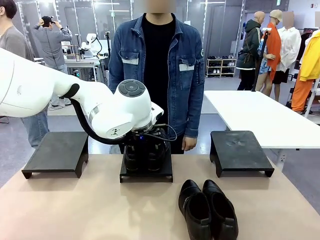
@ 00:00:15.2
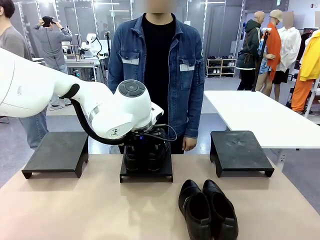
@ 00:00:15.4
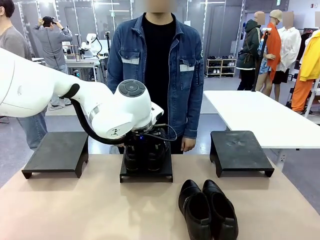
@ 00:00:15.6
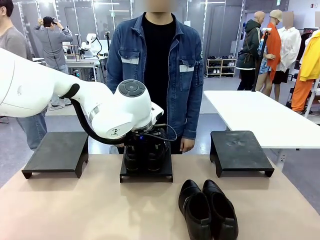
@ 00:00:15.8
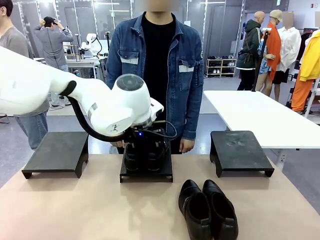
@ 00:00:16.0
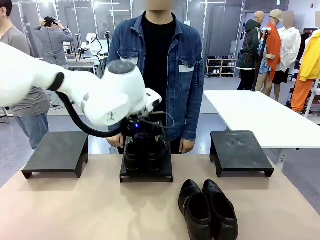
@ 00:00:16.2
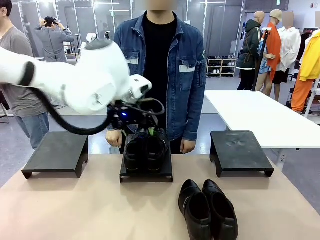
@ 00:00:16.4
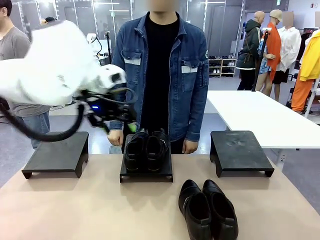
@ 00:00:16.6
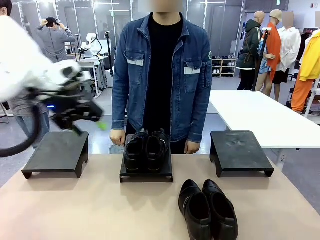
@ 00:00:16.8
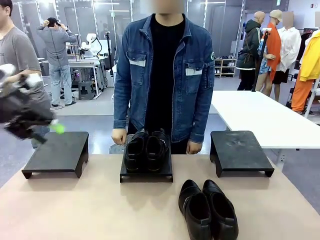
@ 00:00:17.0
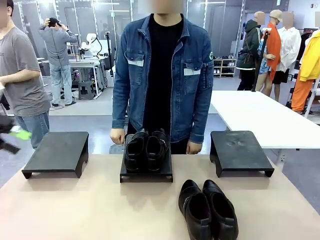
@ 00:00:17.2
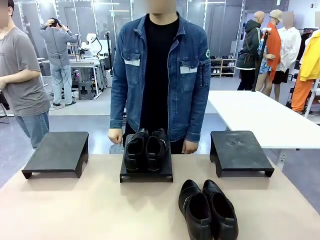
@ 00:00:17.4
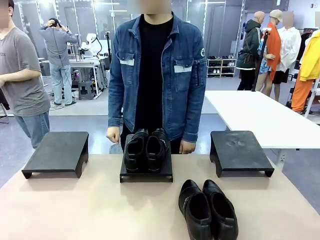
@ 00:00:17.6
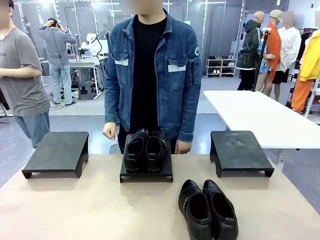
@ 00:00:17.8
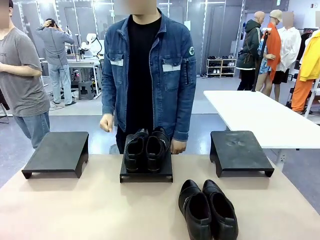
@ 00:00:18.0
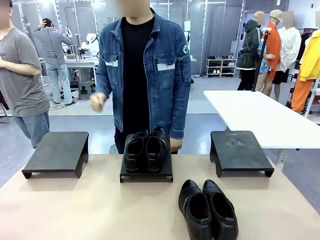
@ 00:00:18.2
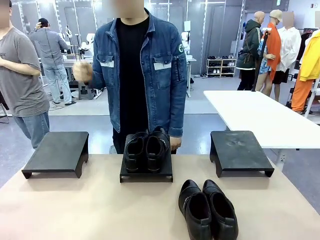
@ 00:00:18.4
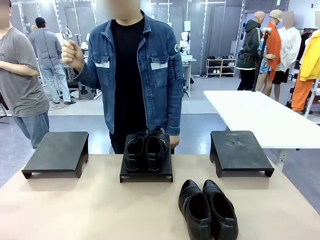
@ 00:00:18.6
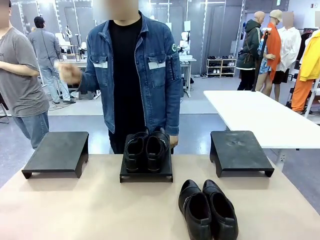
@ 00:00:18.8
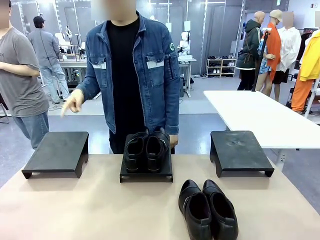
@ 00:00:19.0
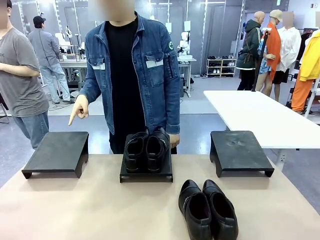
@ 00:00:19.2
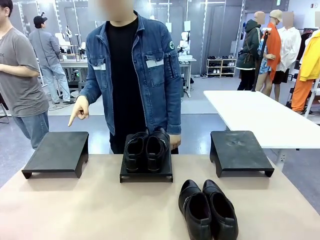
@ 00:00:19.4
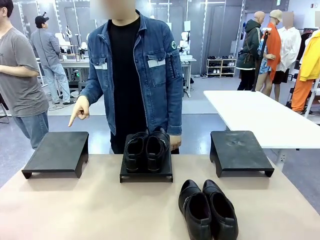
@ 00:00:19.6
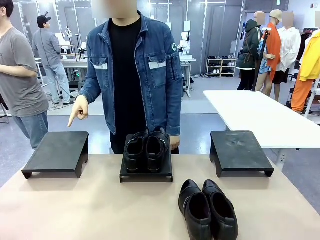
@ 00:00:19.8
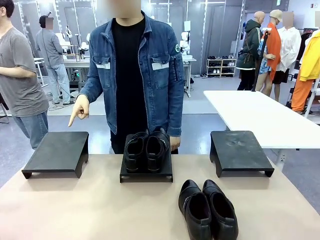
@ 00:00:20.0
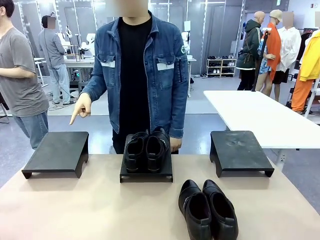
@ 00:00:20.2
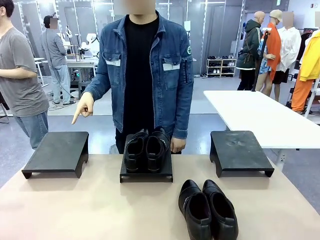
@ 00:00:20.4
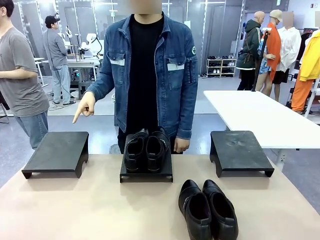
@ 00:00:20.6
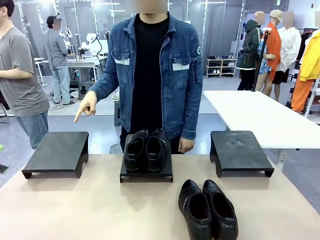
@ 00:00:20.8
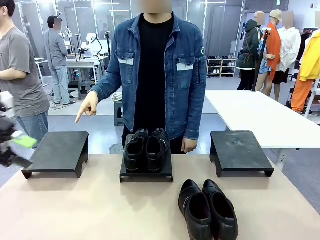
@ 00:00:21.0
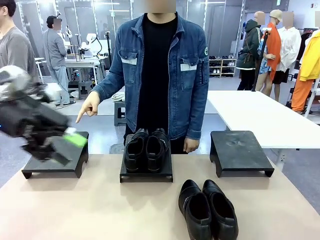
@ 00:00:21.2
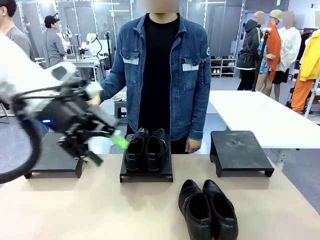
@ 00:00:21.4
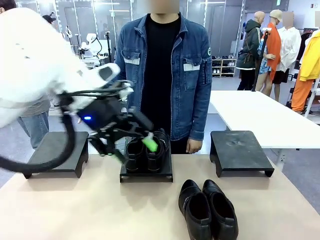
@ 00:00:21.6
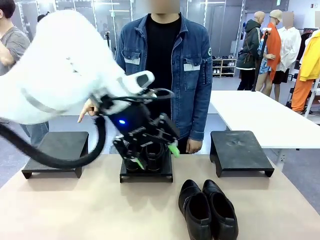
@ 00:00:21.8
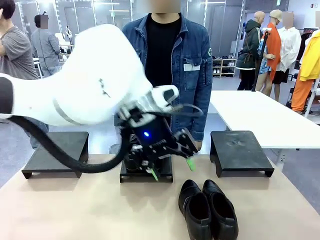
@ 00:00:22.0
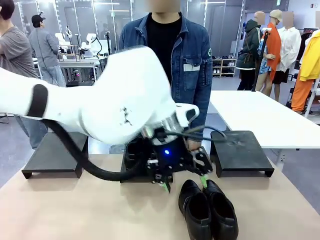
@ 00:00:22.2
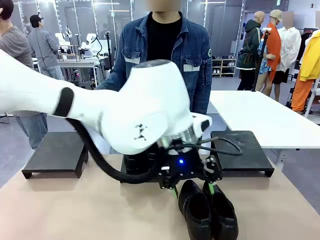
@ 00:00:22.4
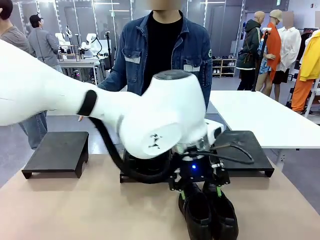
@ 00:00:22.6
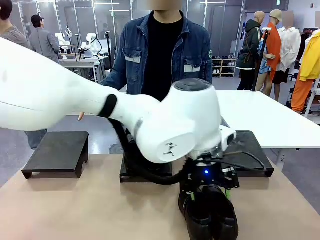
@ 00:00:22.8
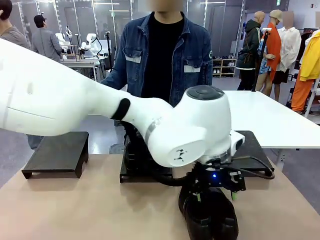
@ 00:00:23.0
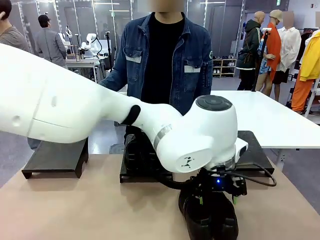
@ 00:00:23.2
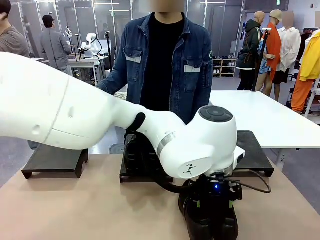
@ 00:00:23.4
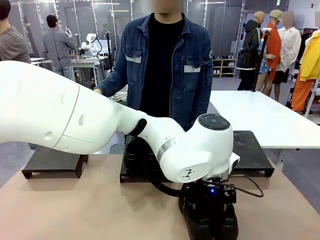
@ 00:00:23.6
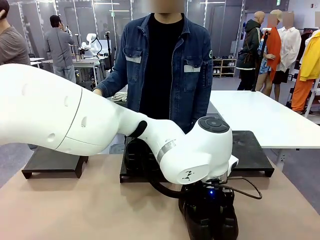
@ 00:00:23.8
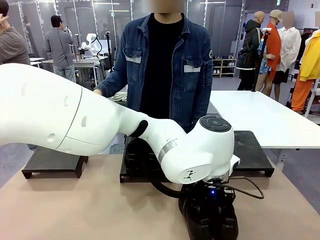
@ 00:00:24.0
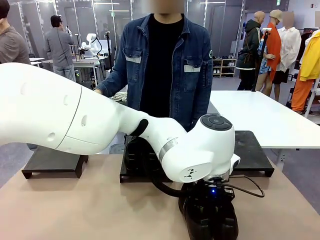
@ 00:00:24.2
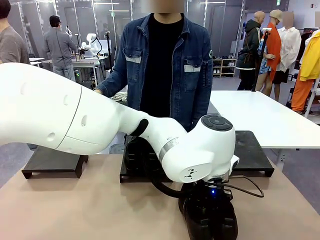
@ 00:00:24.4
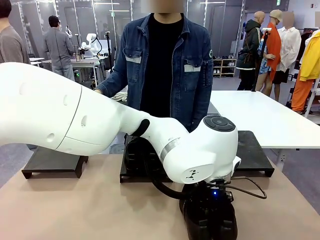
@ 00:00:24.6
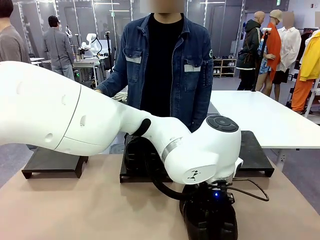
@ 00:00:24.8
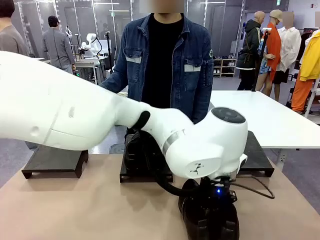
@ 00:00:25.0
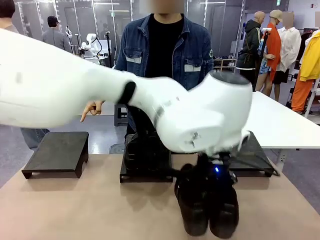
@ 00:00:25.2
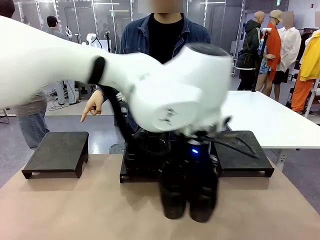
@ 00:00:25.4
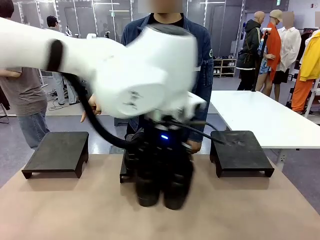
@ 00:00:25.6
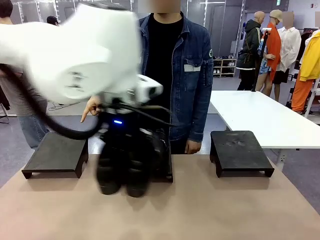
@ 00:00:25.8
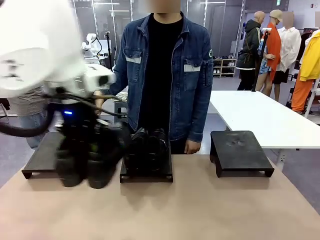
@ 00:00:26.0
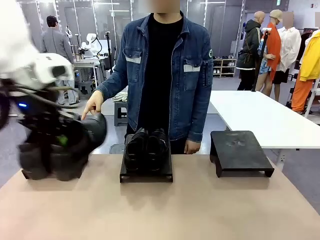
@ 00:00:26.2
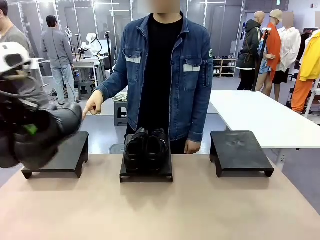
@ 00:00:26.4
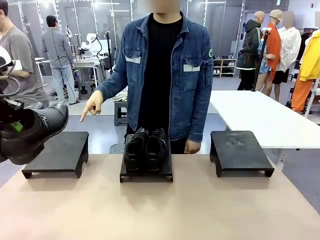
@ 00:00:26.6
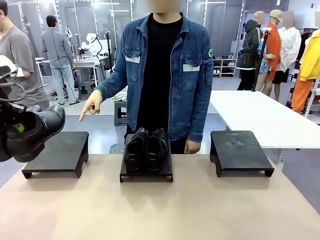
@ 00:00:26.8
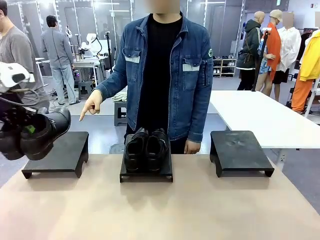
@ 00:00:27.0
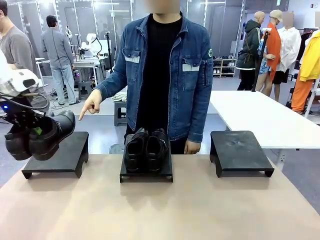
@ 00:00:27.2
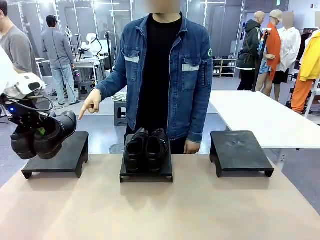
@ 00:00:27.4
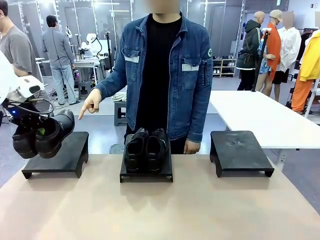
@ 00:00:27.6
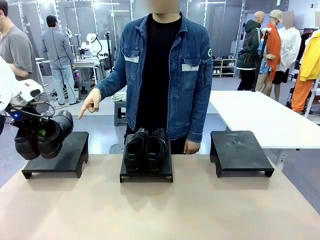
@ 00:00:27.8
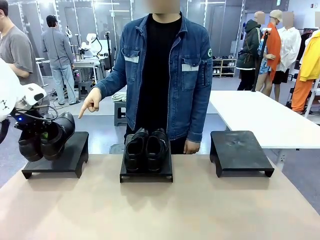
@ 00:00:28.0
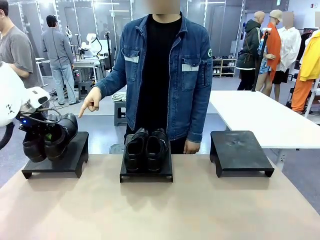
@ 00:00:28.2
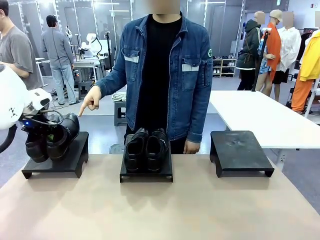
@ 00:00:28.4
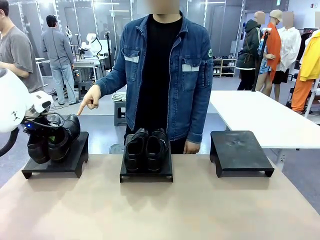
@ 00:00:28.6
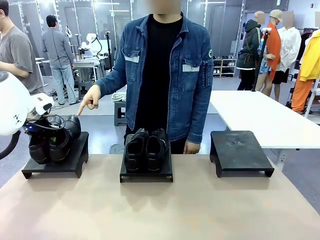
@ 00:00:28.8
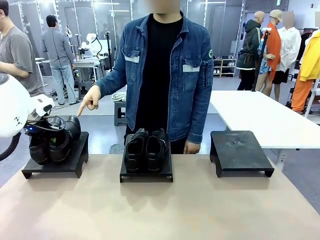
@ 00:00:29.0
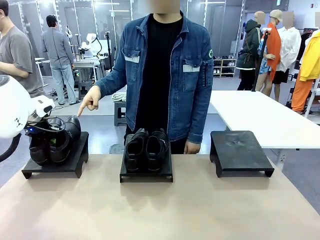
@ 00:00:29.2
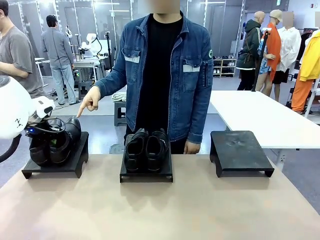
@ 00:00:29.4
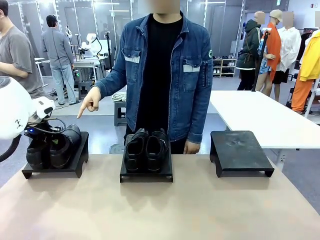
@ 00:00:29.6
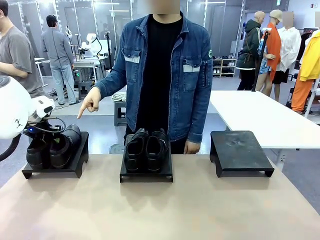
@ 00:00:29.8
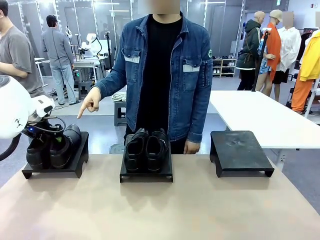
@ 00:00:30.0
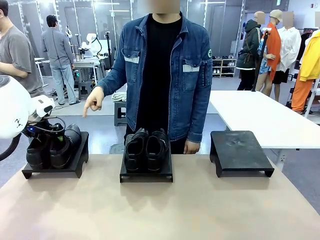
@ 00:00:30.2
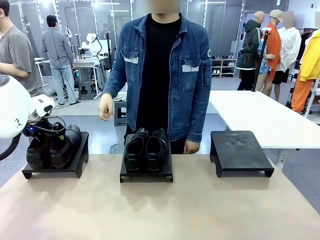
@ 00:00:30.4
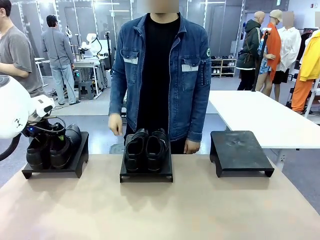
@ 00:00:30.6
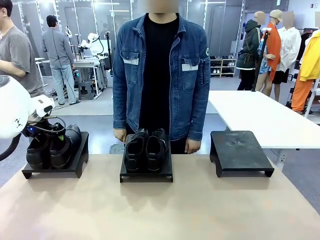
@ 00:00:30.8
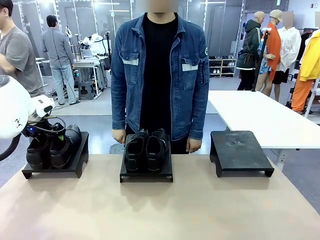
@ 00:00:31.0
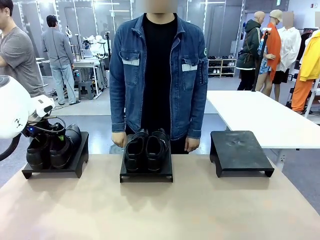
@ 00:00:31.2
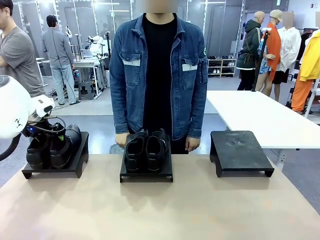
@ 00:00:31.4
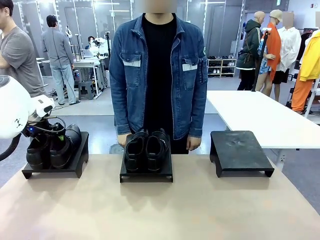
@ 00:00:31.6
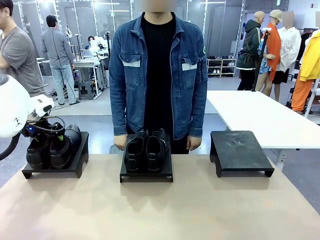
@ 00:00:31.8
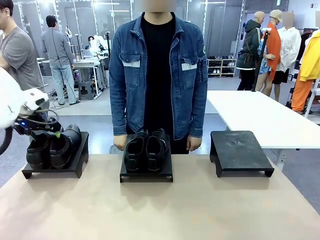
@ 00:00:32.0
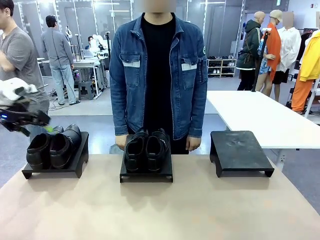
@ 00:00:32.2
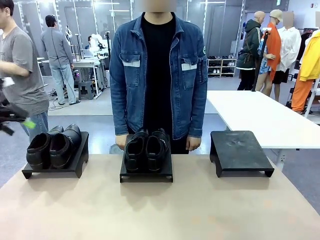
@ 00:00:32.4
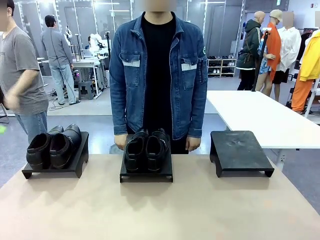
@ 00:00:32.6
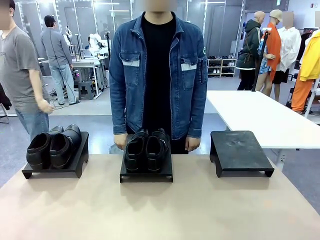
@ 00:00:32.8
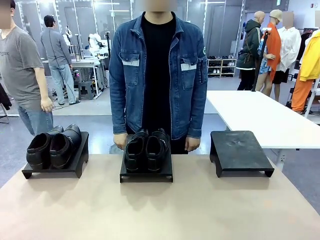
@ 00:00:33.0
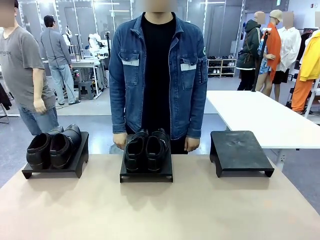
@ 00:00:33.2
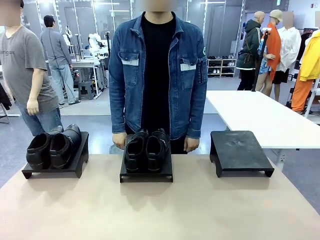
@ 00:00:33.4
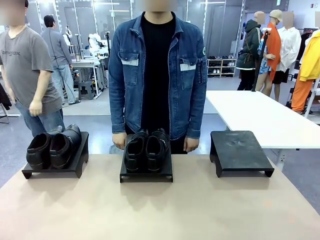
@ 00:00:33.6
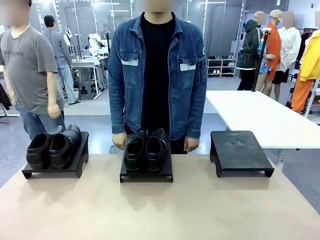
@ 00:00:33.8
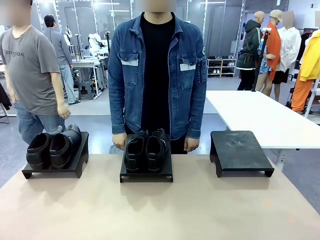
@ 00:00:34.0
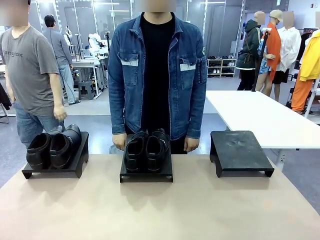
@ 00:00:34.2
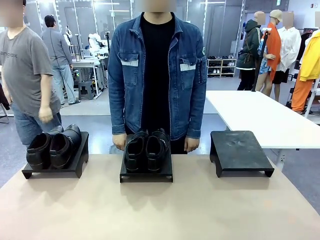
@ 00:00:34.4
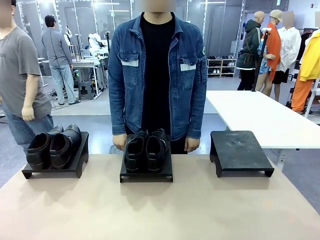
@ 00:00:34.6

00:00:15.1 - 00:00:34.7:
Task: Place the shoes on the stand as instructed by the person.
Robot: Pick up another pair of Shoes and place it on the Shoes Stand indicated by the person.
Person: Point to one Shoes Stand.
